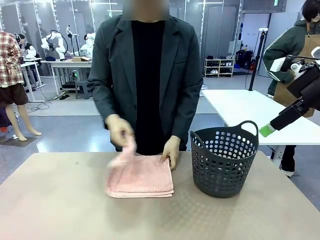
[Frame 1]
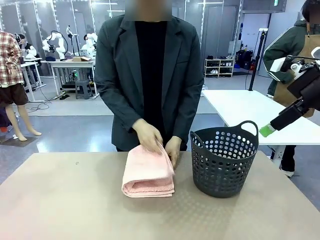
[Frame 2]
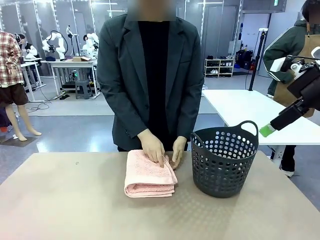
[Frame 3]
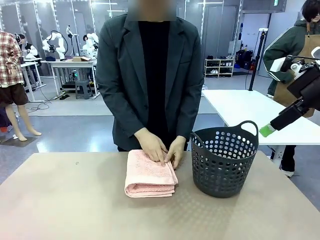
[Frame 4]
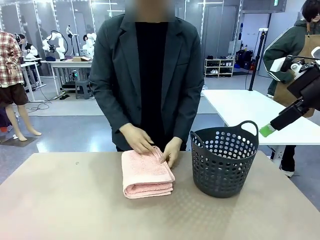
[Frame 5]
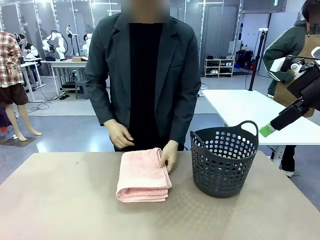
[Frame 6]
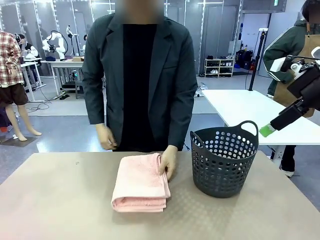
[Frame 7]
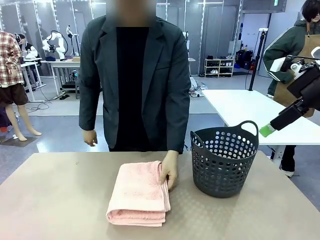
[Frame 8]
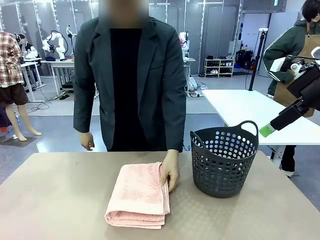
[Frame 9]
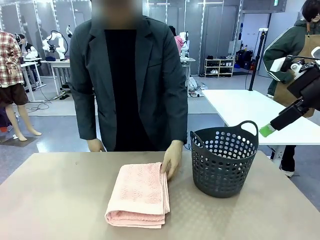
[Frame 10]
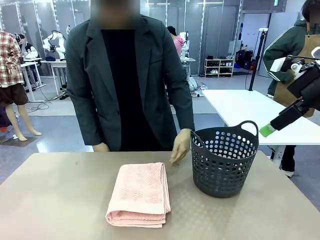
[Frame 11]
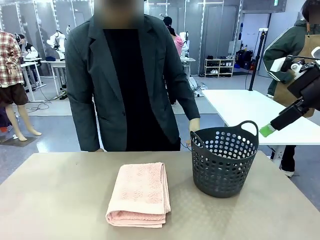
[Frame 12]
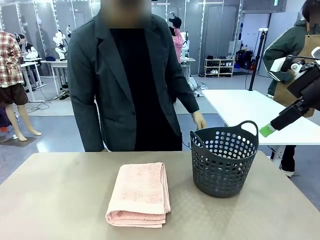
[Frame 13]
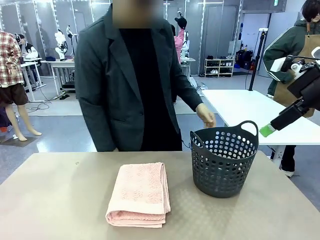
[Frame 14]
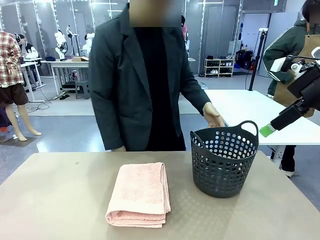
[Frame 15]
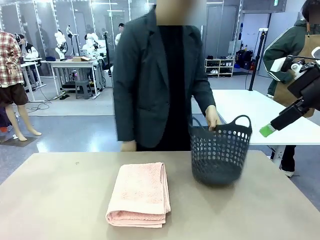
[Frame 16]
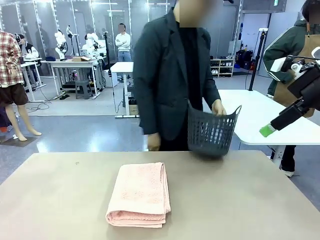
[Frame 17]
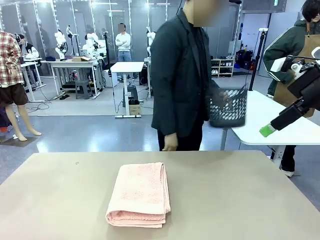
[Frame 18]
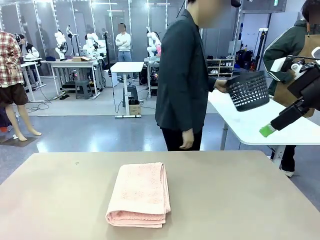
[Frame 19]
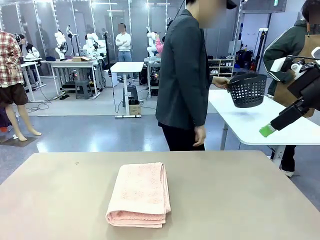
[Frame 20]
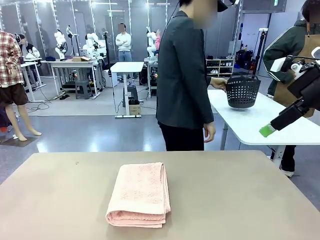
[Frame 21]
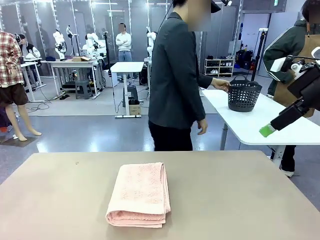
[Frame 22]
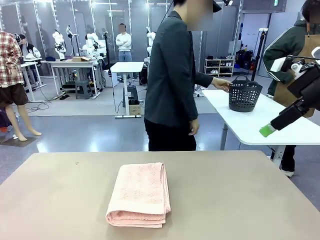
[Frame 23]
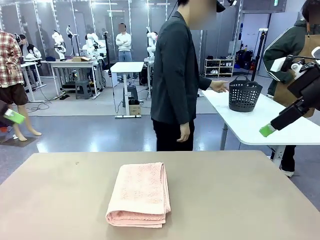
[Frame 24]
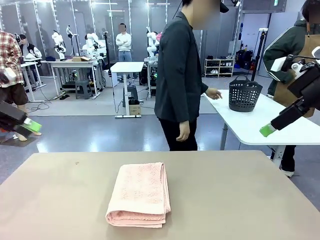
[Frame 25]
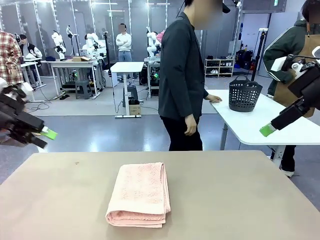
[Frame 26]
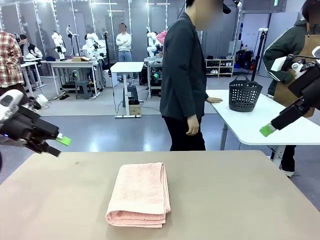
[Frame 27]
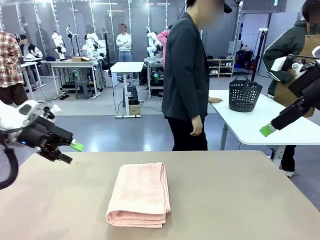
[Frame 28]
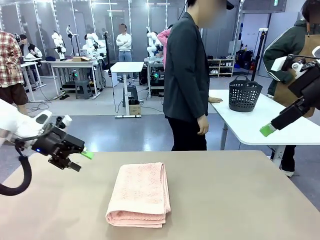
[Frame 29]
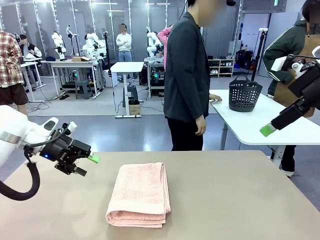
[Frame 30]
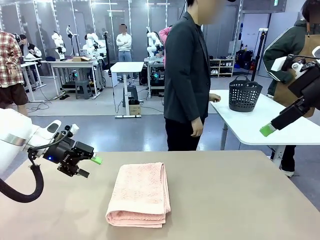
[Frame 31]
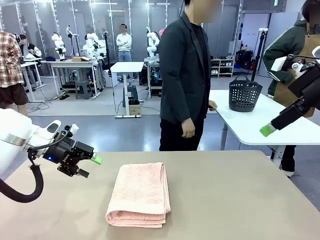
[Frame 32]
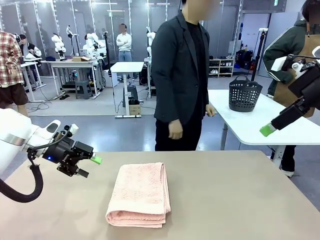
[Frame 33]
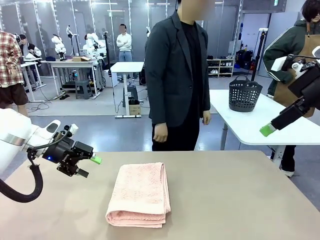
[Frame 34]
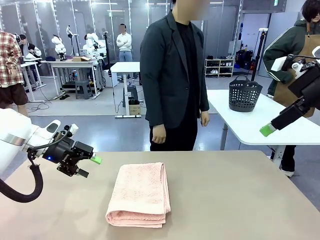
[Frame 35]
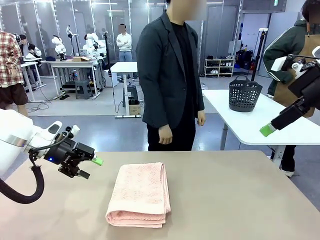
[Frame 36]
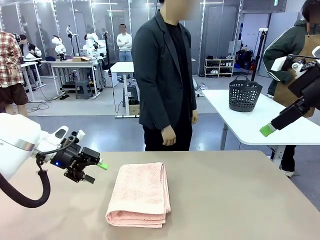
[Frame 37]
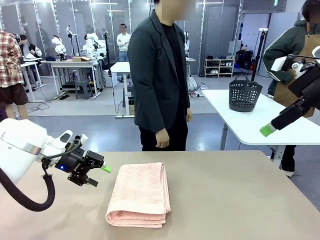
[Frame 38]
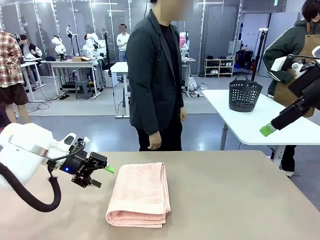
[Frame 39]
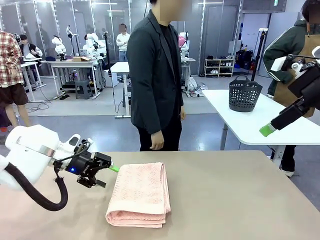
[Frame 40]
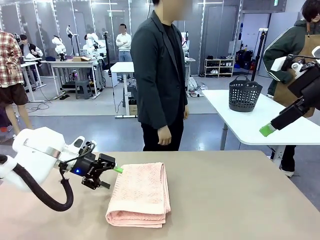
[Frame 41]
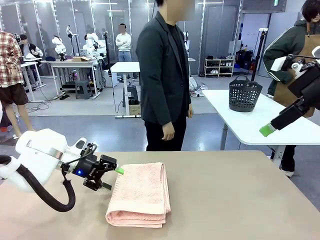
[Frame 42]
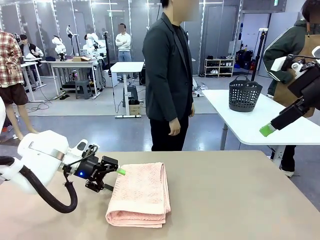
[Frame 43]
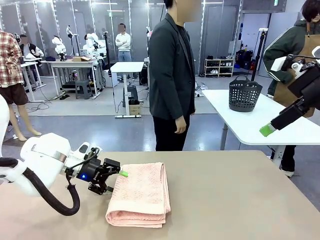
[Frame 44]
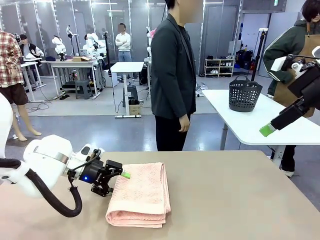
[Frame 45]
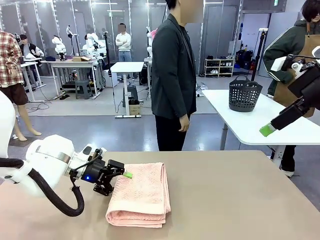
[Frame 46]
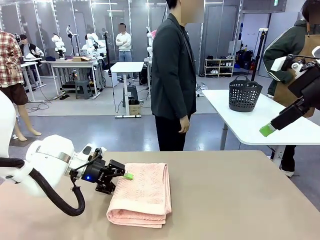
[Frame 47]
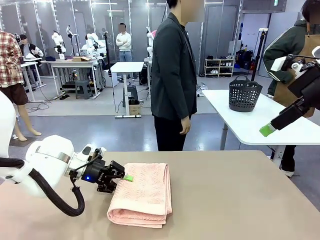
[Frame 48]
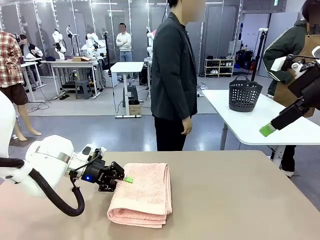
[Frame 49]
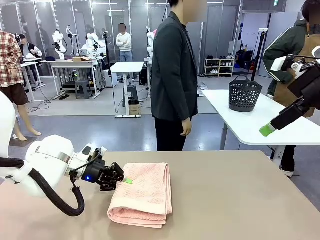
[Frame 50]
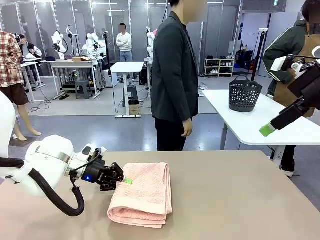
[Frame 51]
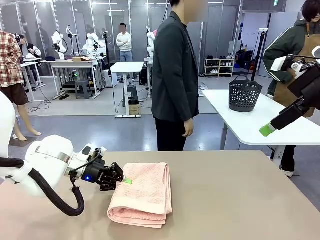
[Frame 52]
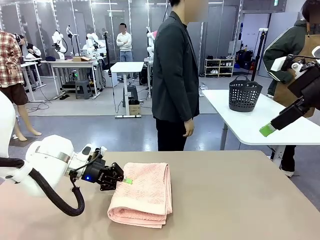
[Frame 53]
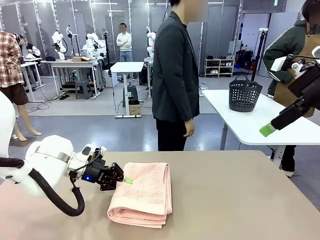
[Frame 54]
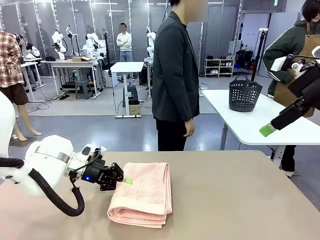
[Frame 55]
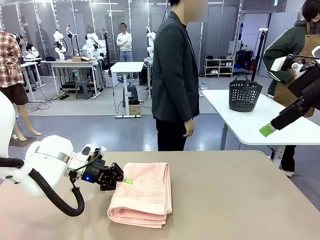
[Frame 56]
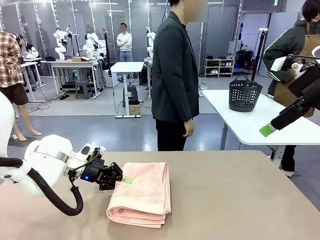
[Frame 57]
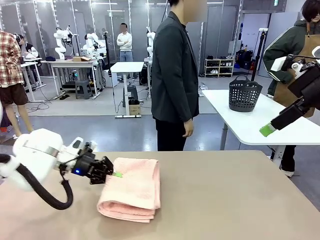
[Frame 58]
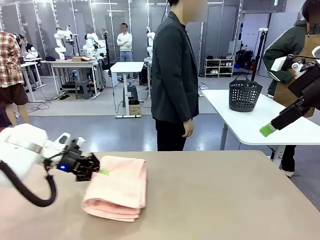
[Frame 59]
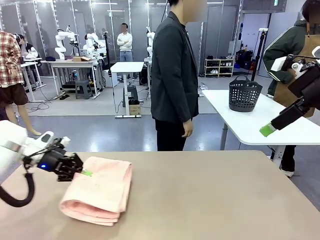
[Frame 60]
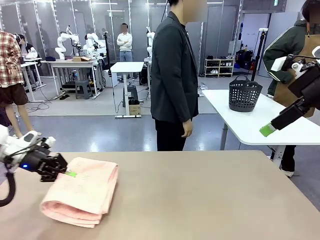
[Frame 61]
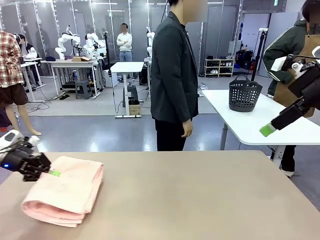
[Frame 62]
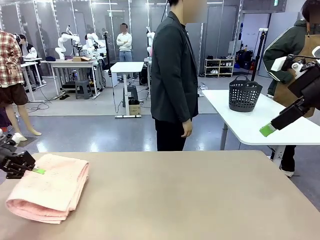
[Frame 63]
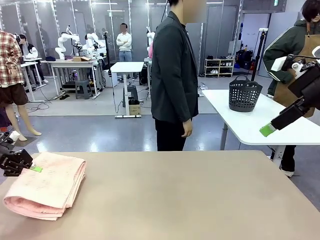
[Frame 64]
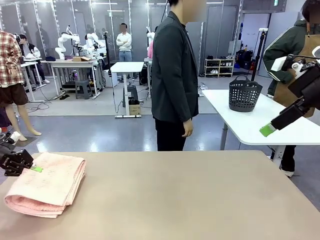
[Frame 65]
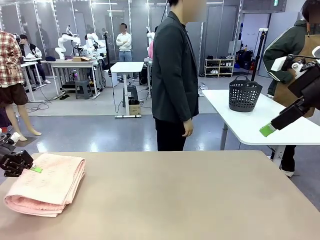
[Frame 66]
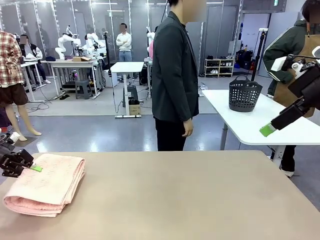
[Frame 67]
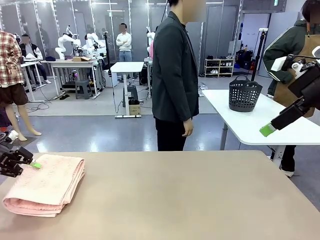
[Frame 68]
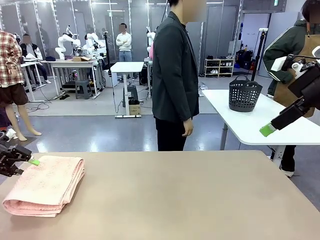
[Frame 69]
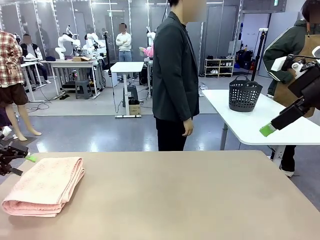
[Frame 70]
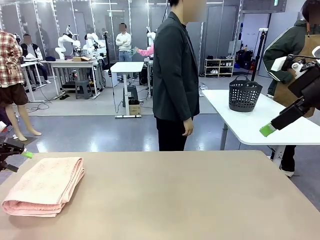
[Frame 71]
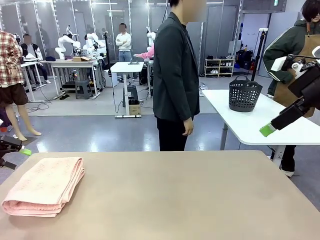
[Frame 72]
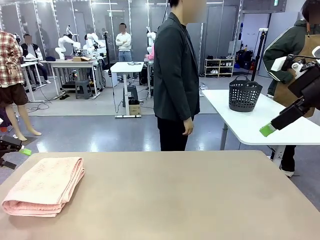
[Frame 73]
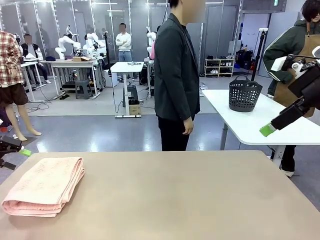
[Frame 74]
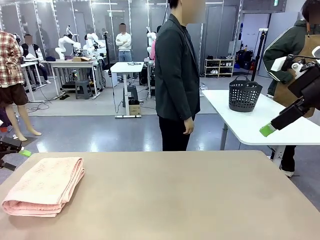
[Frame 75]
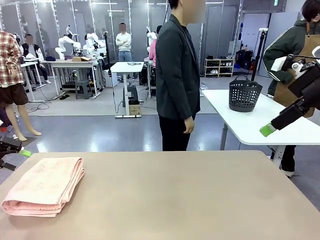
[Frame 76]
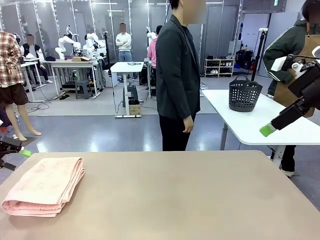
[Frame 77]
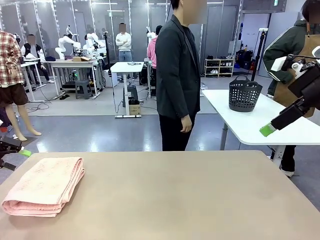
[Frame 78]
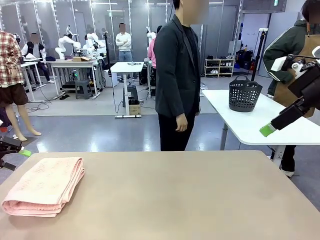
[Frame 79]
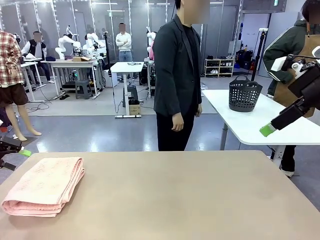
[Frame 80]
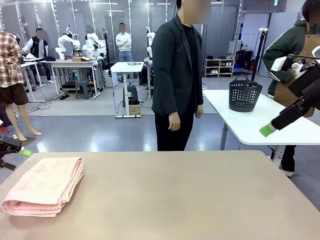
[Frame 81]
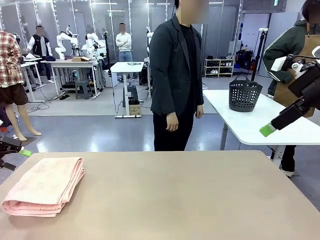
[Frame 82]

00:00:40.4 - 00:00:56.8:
Task: Fold the towel.
Robot: Pick up the 100 cm Hotel Towel and place it on the left side of the table.
Person: Pick up the laundry basket and place it at the center of the human table.
